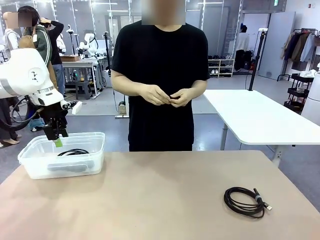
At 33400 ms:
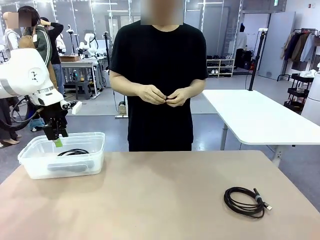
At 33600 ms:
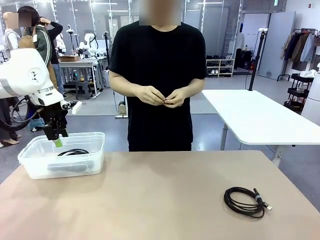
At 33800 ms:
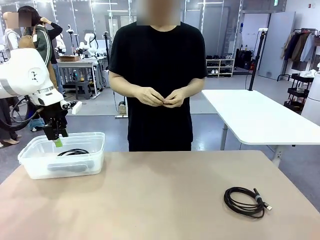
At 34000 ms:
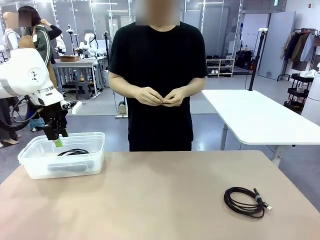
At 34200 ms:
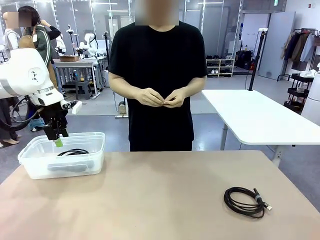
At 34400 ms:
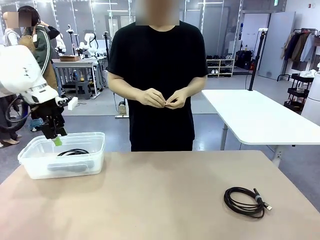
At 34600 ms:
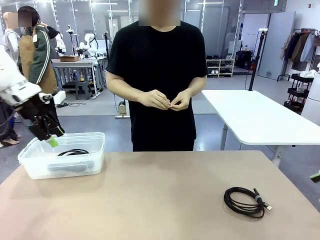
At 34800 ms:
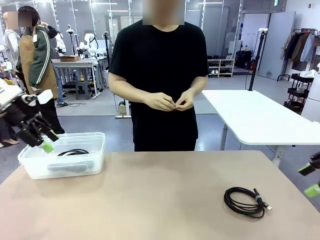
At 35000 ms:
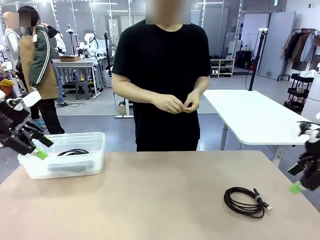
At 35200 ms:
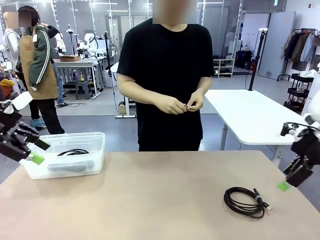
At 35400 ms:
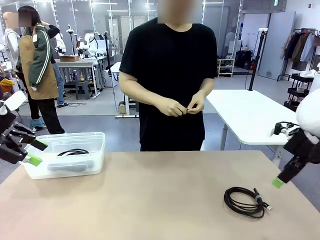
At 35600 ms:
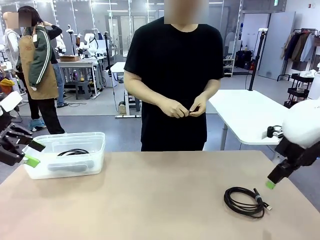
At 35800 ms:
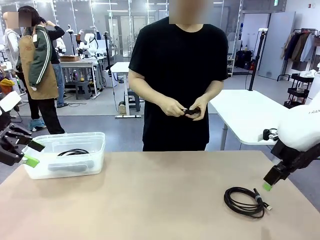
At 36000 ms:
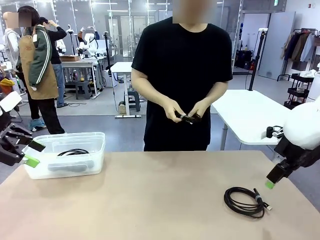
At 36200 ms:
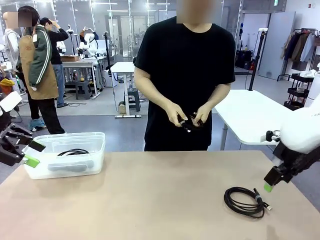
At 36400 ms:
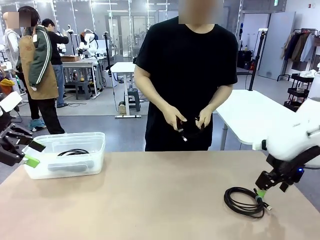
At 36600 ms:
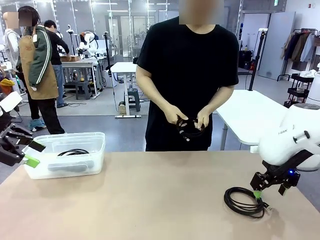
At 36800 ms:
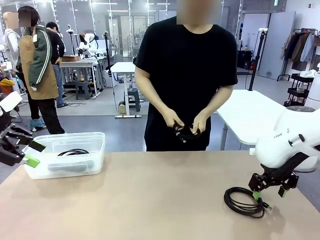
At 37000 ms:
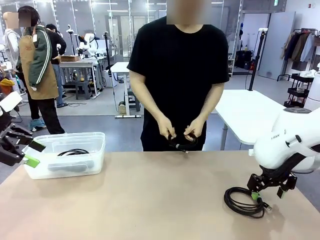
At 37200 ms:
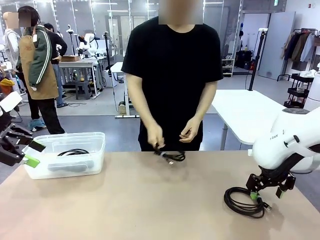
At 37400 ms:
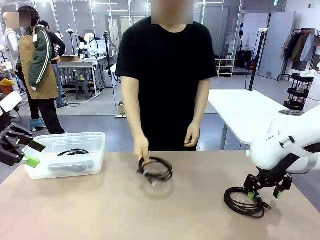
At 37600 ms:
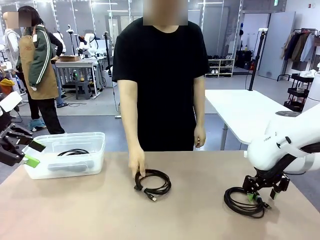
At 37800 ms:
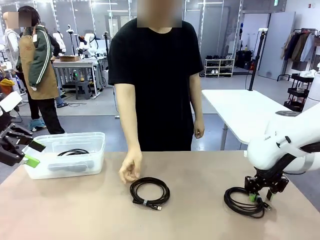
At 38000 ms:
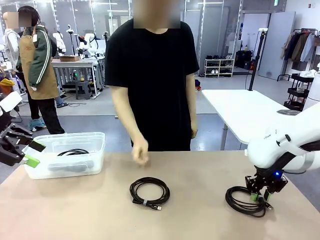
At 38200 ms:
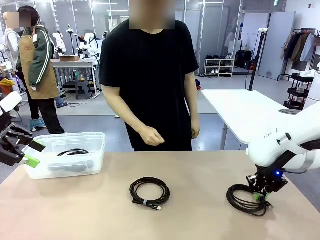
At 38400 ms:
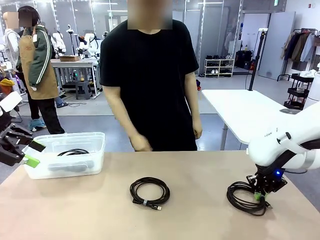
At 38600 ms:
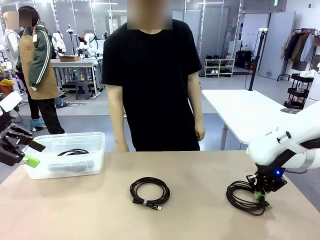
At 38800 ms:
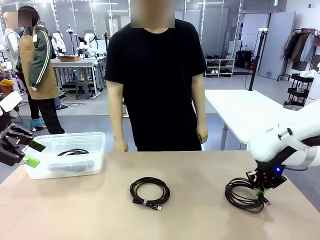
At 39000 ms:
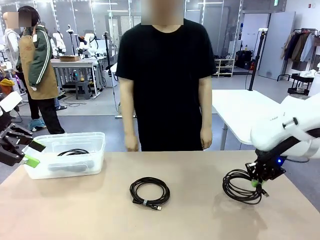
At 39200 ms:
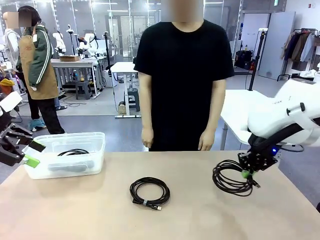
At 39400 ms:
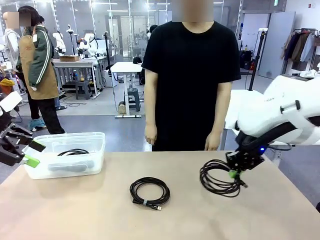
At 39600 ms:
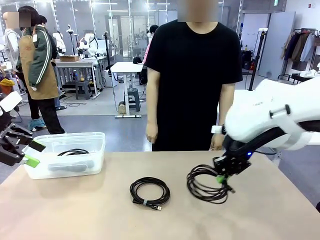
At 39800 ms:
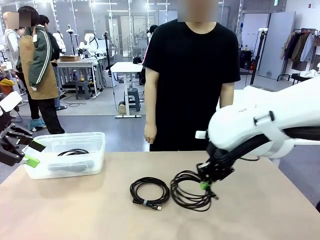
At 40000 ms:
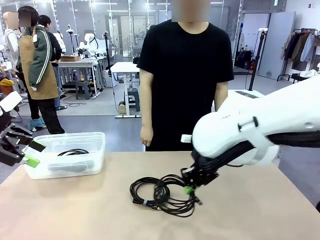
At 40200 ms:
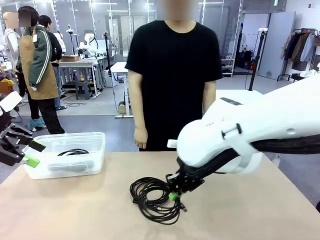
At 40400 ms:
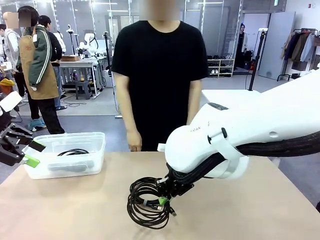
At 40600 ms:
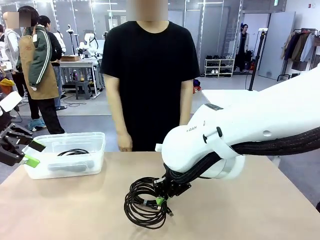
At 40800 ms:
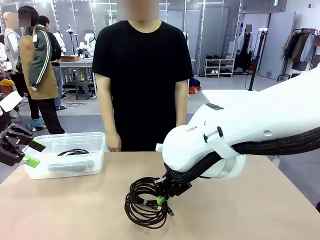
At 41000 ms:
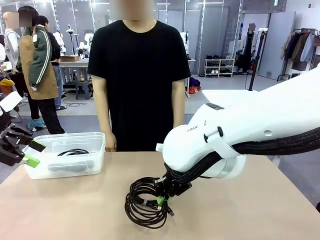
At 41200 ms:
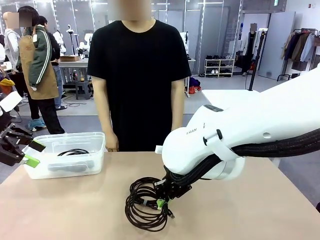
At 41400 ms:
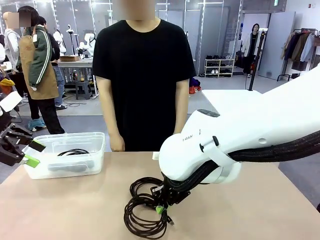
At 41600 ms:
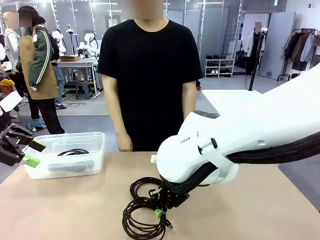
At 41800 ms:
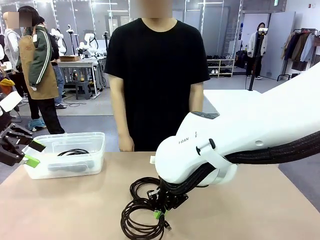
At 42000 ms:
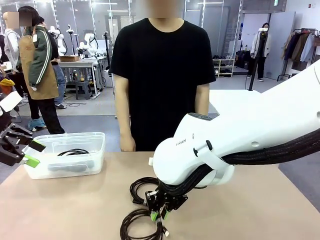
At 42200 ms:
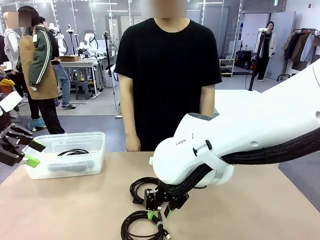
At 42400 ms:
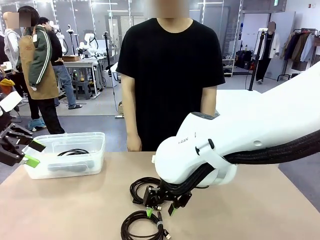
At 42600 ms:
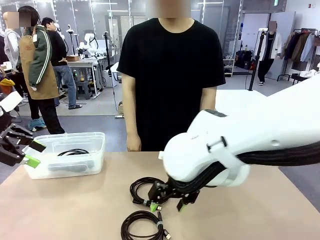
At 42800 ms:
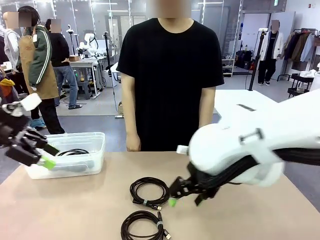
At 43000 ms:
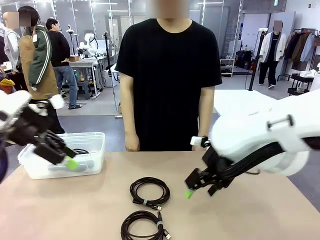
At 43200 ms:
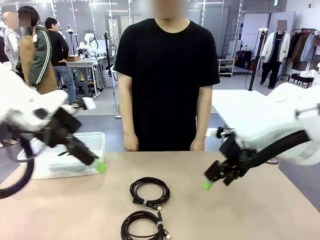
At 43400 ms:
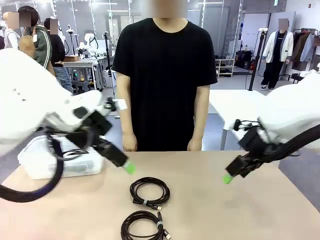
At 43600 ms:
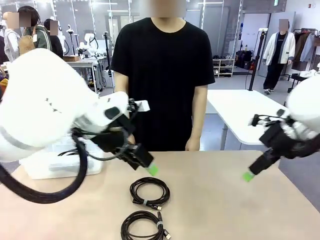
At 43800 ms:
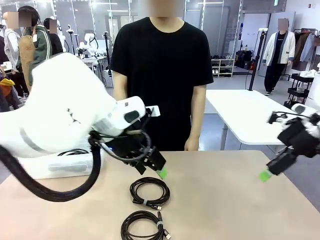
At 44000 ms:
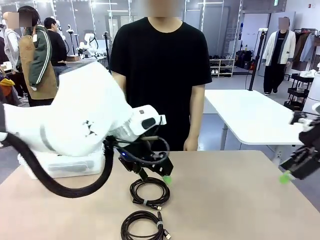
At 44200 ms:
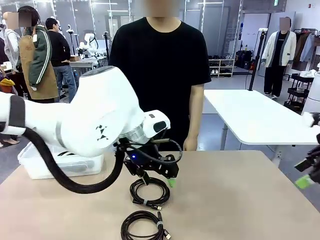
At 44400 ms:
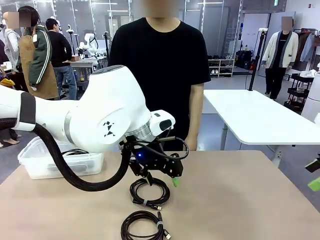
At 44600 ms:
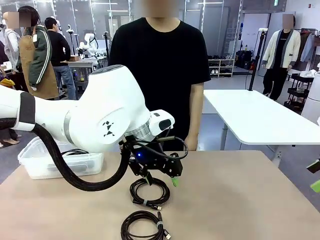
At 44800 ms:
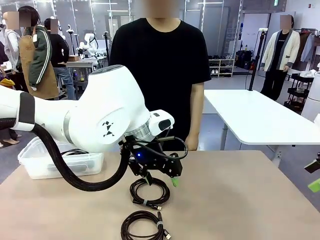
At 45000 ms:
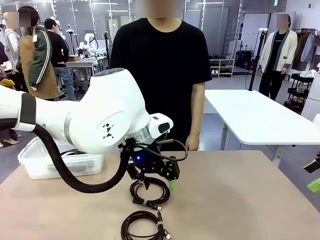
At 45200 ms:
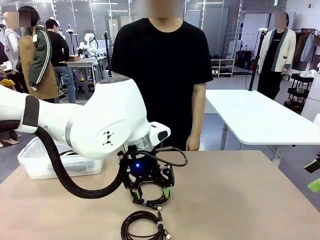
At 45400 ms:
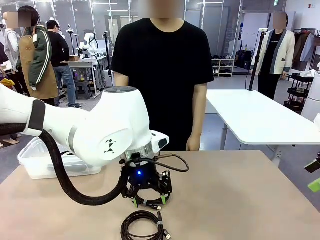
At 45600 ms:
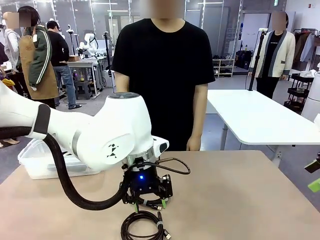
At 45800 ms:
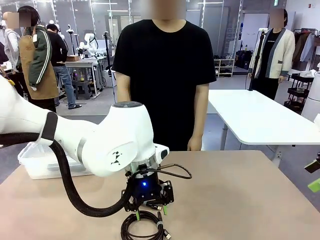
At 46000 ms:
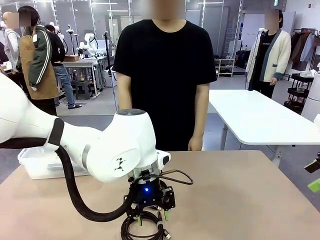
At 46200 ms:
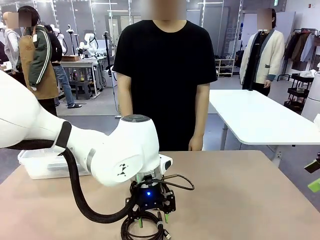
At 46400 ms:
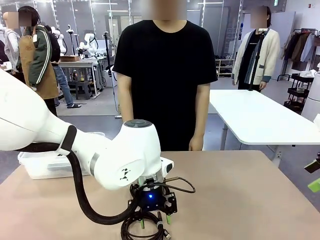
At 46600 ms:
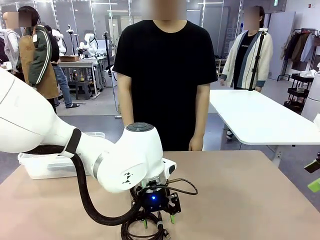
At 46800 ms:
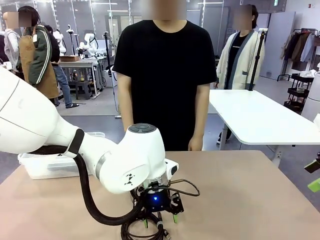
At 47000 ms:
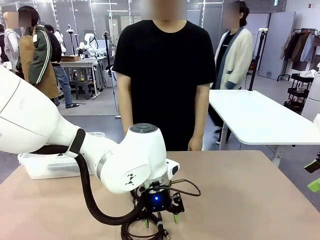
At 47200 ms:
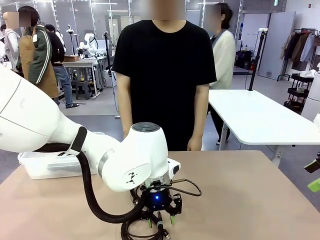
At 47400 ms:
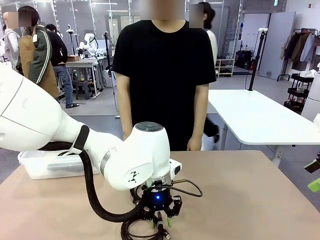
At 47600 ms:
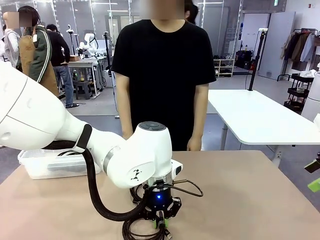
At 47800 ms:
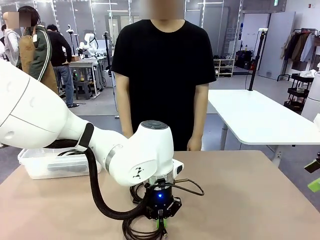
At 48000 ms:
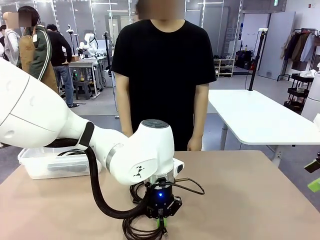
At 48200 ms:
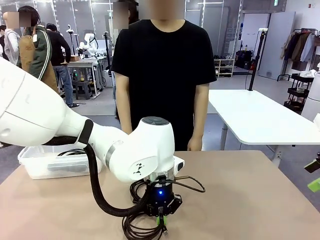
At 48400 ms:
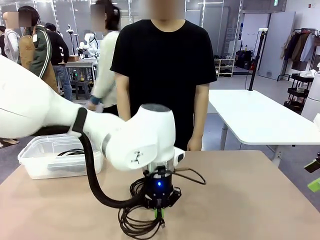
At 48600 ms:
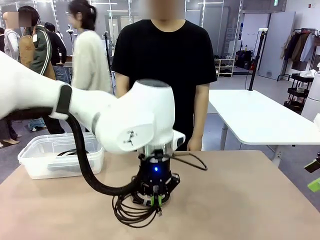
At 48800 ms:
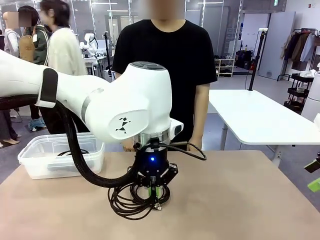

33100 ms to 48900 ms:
Task: Organize and store the cables.
Robot: Place the USB Extension Cable into the Organizing box.
